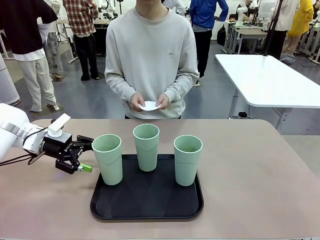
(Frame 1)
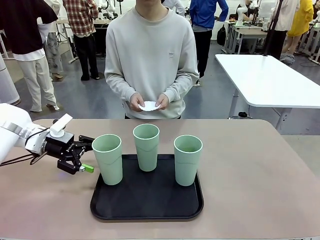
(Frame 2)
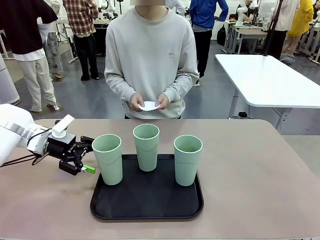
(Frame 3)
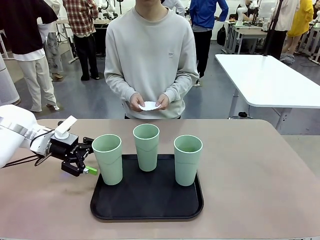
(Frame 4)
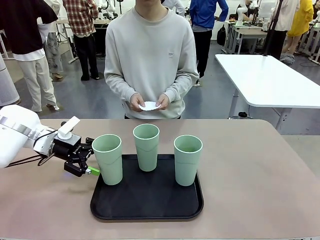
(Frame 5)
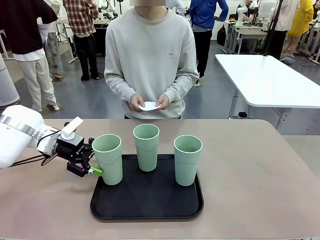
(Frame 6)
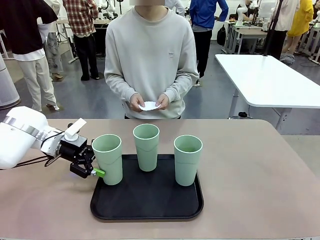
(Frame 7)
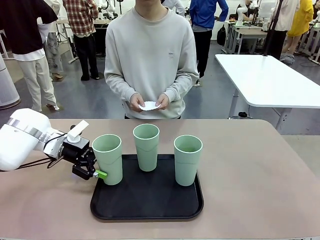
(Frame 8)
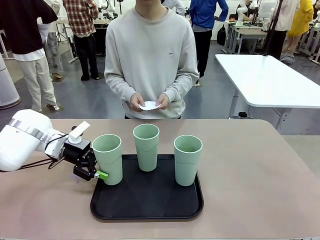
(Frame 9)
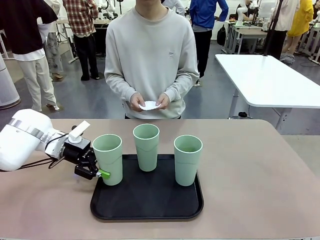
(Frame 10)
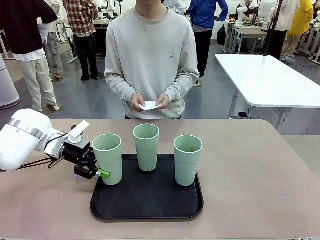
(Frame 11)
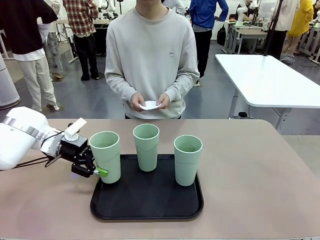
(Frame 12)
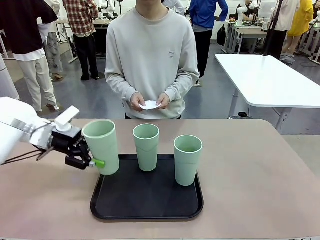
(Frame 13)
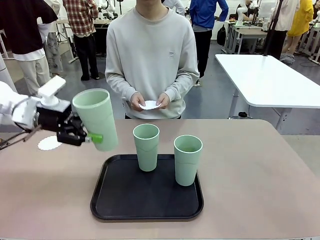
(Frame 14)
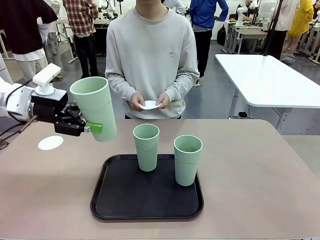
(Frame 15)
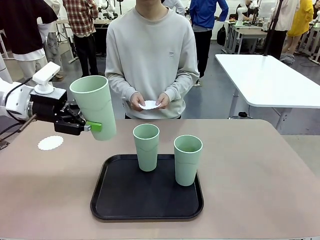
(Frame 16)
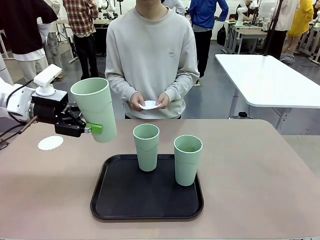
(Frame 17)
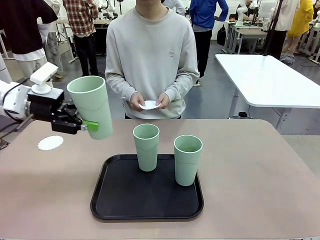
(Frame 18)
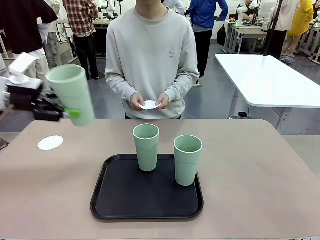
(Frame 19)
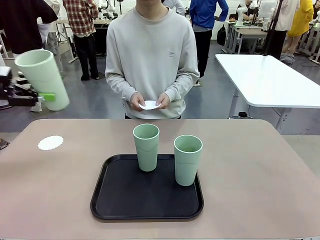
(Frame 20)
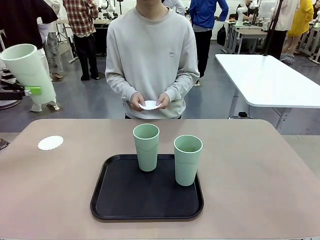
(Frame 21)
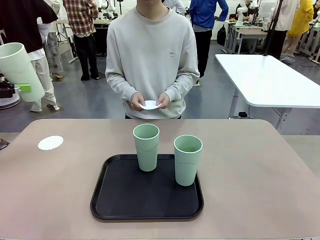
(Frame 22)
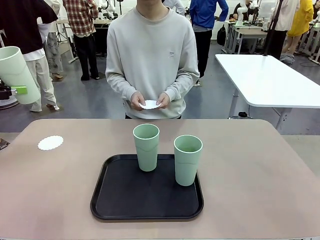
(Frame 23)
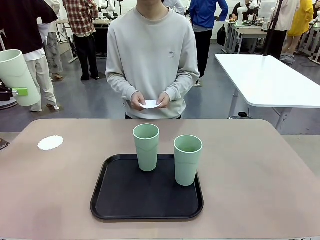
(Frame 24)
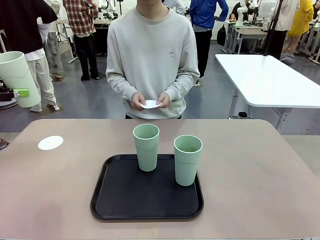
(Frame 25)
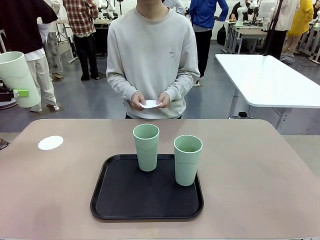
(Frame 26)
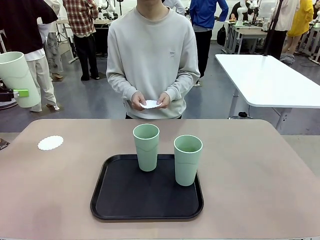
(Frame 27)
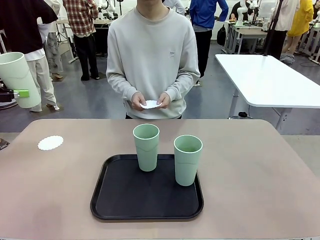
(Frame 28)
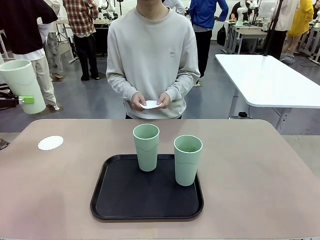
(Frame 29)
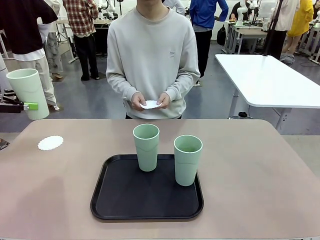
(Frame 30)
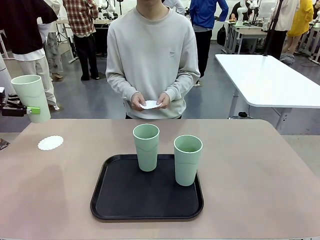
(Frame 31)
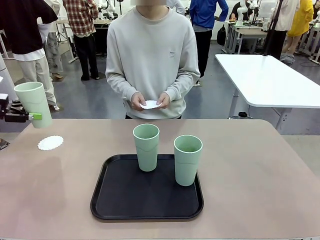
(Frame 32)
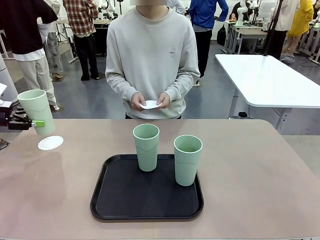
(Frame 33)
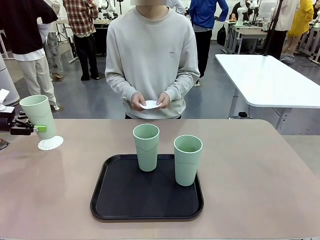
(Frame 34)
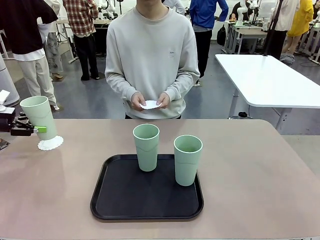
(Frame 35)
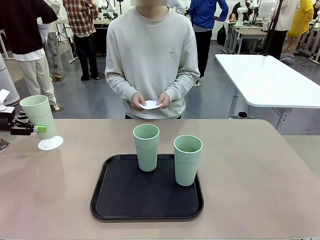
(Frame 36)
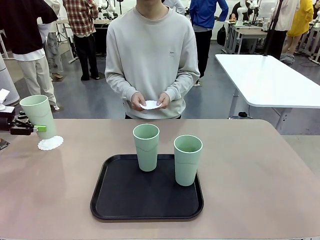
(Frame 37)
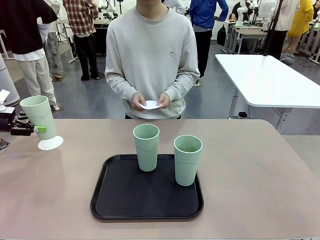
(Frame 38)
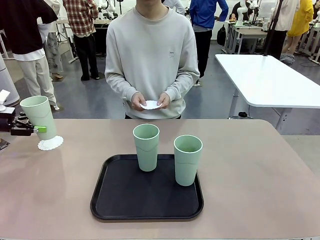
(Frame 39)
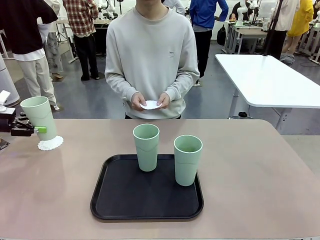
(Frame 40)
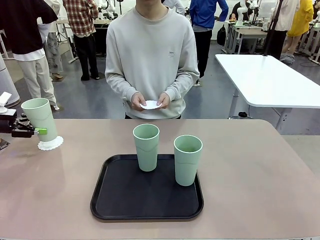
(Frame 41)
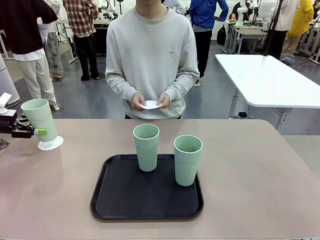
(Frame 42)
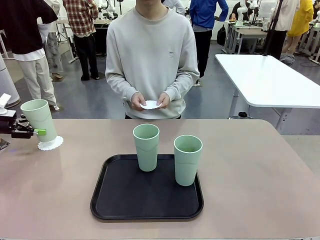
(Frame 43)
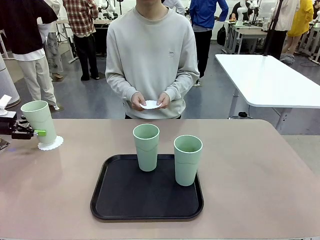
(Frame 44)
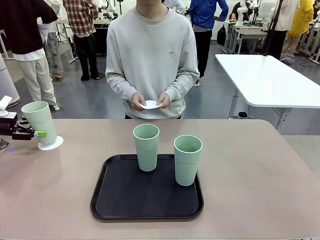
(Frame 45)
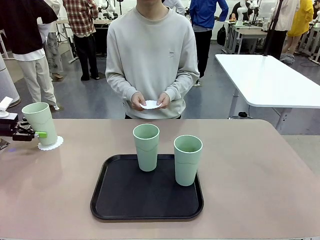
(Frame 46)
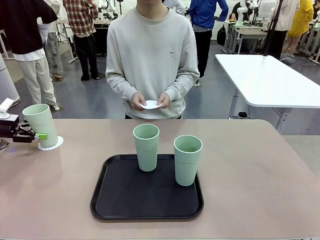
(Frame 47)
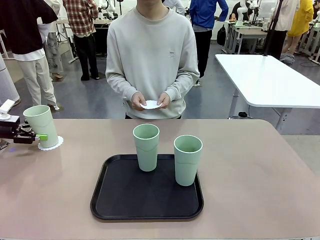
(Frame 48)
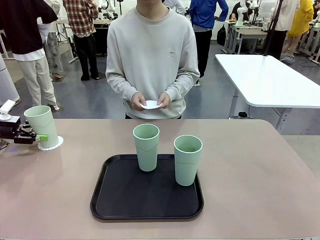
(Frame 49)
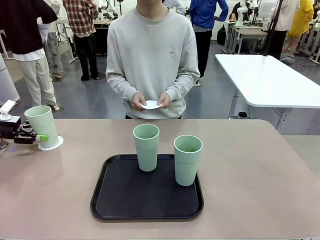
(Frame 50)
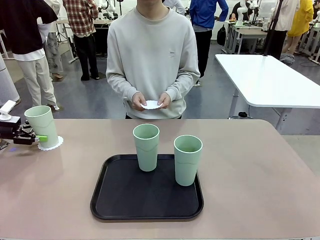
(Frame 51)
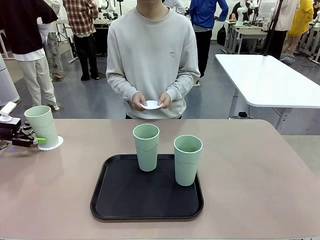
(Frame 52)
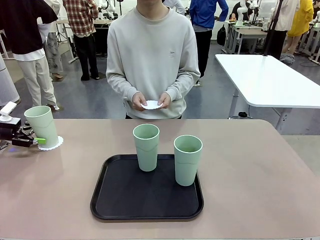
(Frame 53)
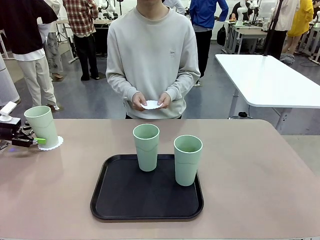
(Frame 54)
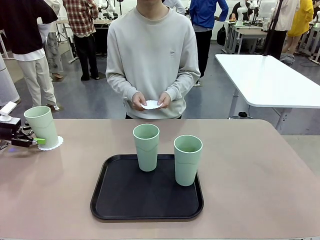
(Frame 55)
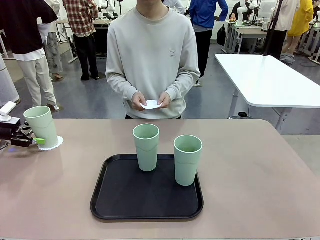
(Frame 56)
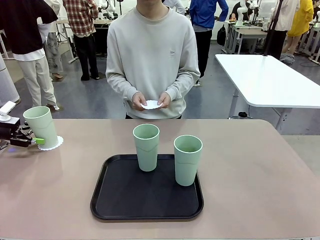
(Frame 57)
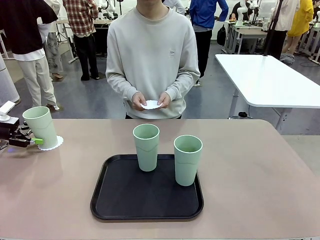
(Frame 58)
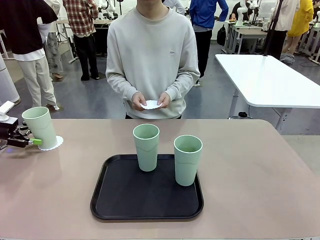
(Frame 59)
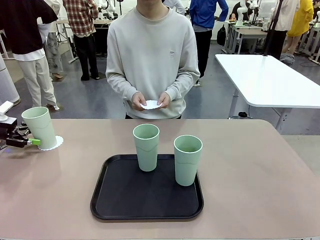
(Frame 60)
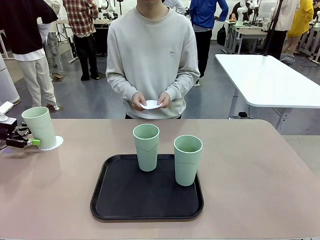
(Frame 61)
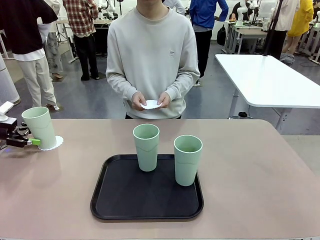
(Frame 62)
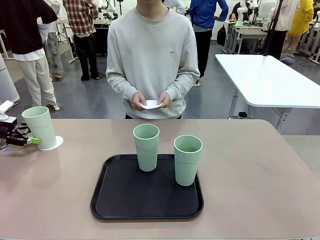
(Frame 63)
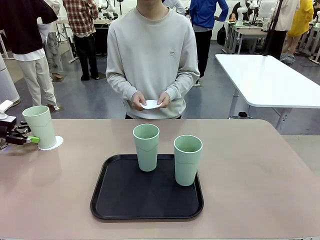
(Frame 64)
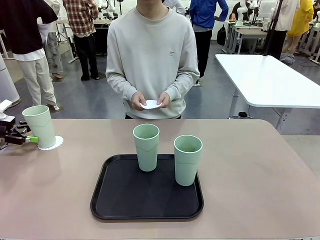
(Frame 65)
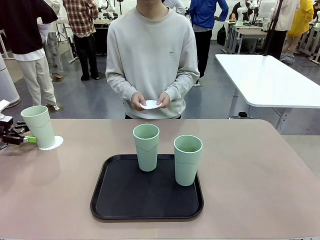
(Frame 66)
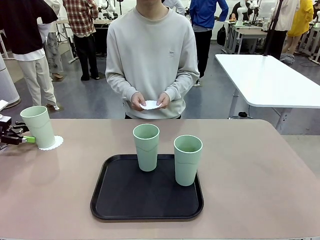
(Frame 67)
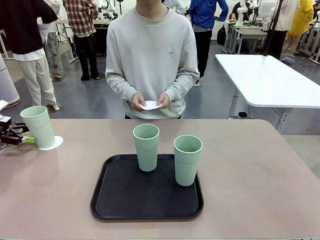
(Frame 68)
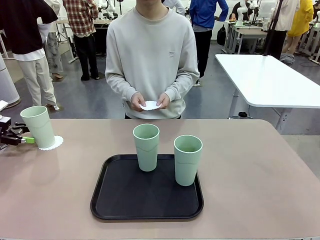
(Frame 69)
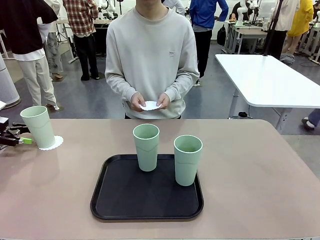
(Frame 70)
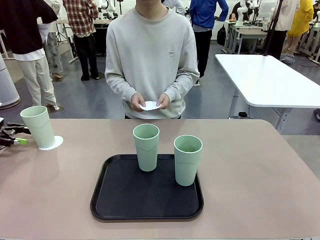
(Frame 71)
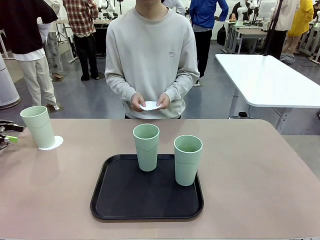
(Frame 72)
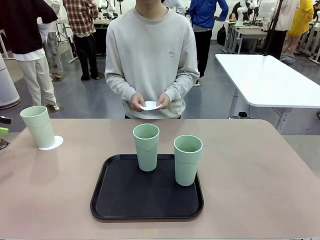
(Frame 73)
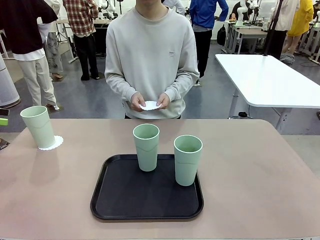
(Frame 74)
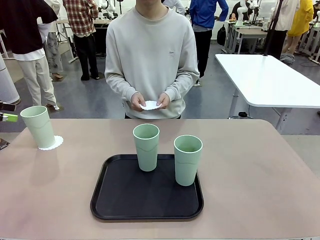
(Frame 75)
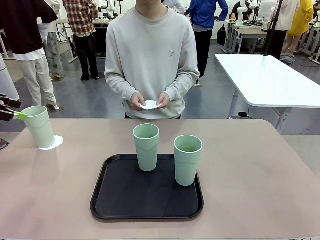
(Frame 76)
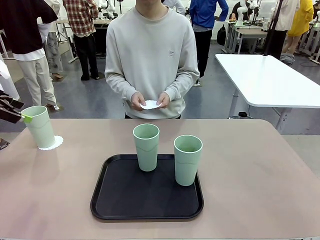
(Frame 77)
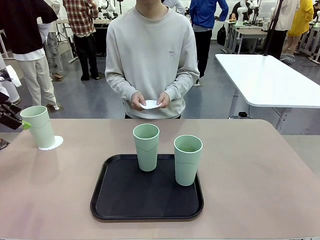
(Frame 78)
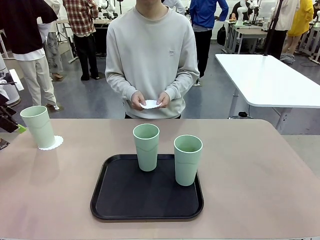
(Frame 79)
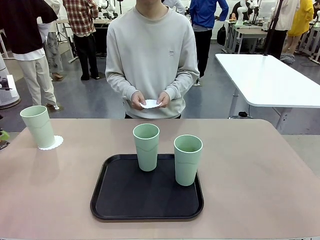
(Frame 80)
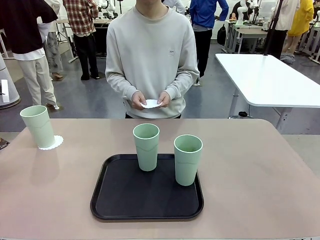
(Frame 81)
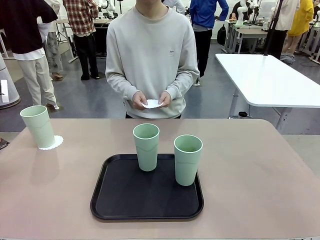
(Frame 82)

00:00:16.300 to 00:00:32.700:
Task: Place coasters on the table and set cups on them.
Robot: Pick up one Reusable plastic cup and place it on a coaster set by the human.
Person: Place one coaster in one of the two areas excluding the previously selected area.

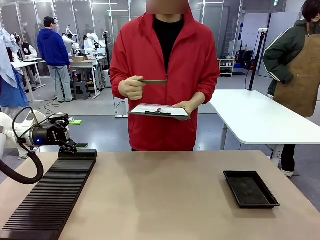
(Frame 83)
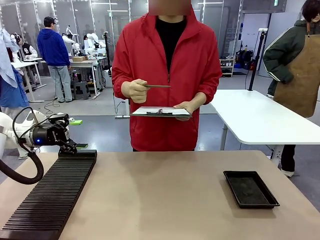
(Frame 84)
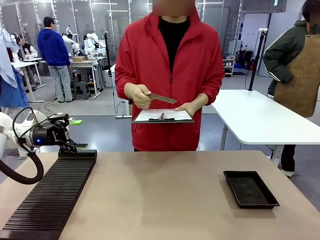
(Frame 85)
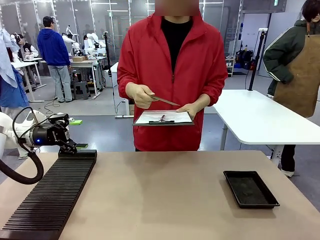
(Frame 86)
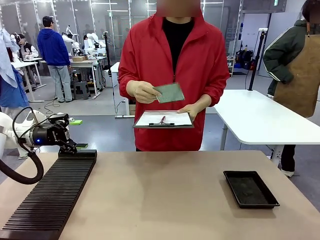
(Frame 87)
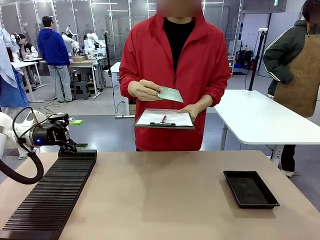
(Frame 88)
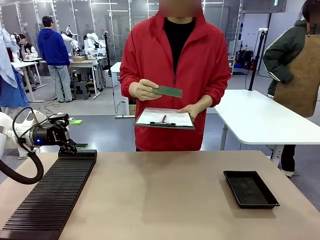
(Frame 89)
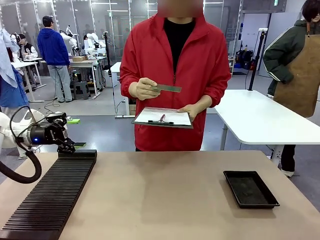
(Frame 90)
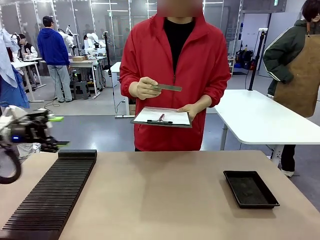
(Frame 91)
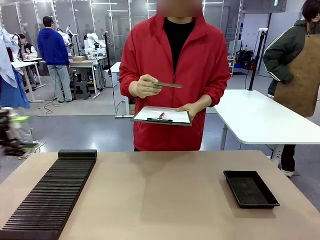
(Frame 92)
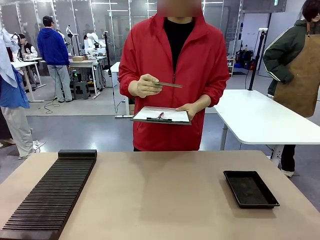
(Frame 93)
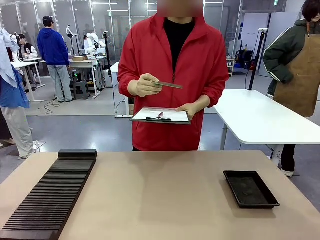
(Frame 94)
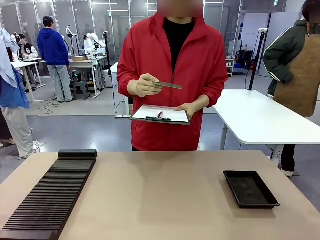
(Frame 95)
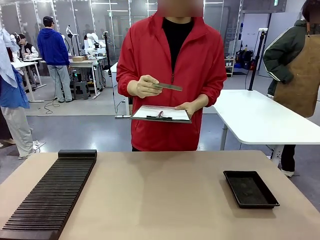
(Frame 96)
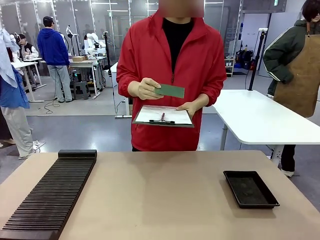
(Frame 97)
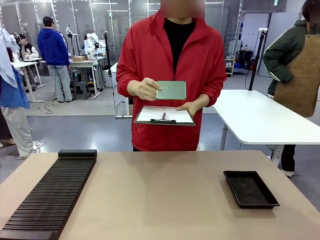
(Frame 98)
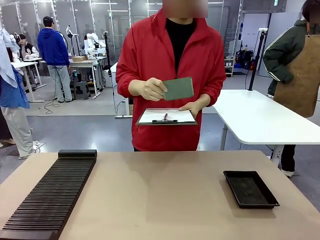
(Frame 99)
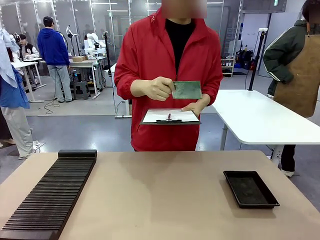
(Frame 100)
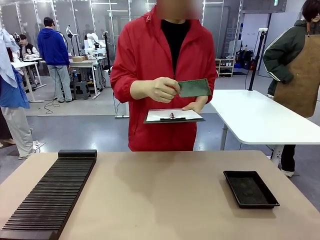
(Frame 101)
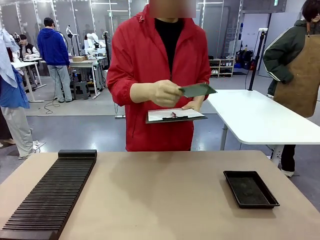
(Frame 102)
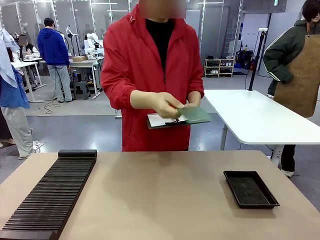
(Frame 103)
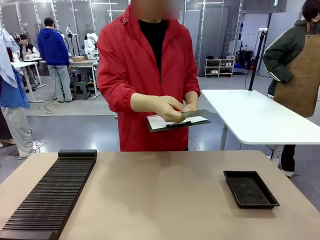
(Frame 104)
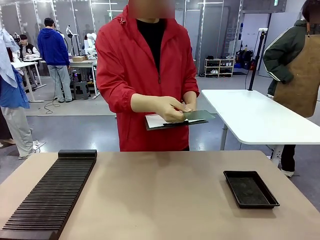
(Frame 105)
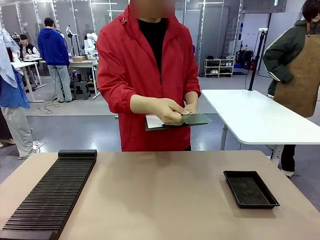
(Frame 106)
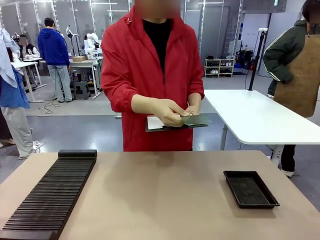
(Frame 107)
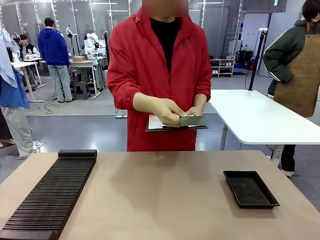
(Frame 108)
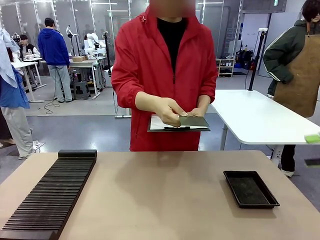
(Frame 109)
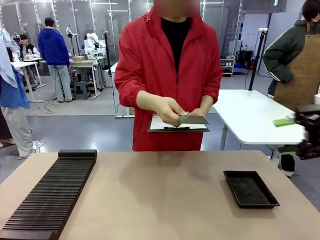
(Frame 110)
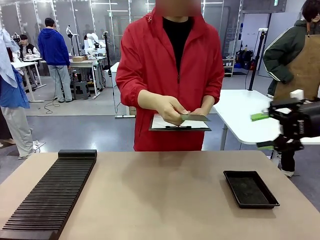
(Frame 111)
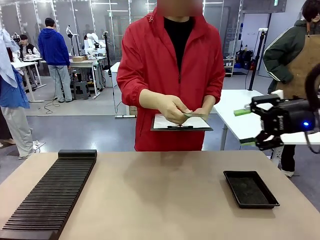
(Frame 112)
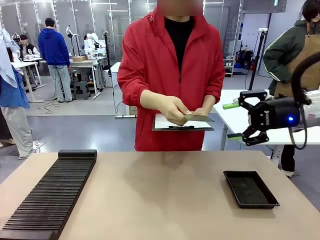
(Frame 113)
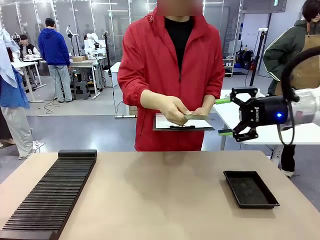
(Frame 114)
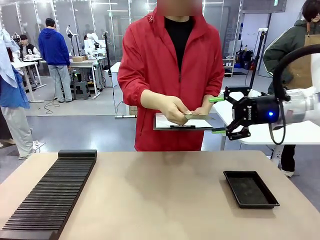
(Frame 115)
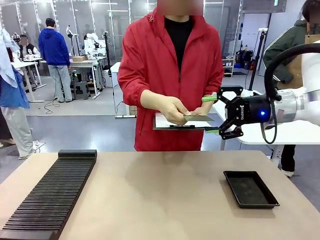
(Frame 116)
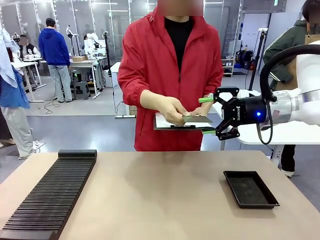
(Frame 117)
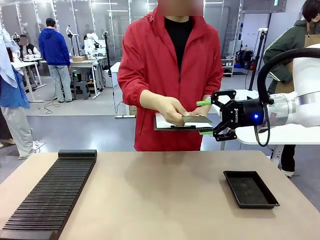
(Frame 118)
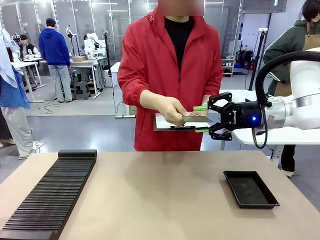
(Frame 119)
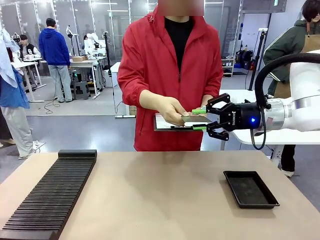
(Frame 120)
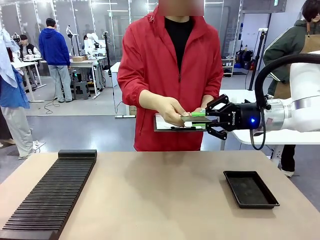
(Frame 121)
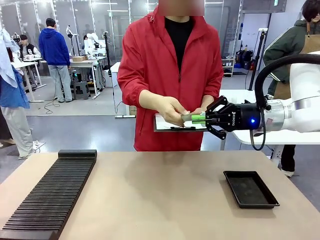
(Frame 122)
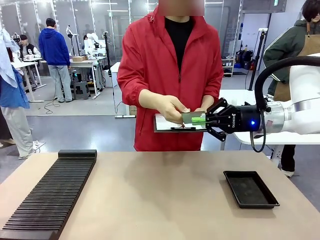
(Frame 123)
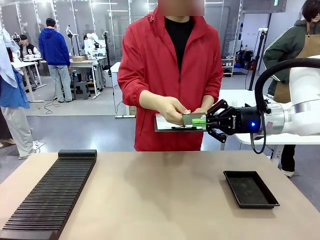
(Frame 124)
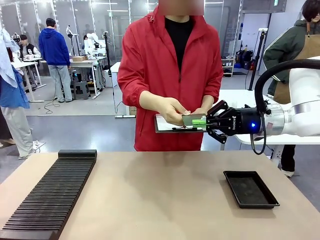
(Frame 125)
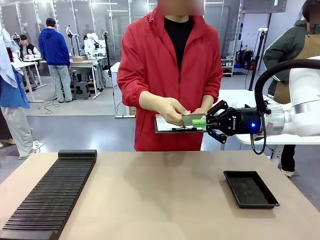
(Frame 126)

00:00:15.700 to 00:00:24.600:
Task: Inspect the PCB.
Robot: Pick up the Blank PCB that the human is holding.
Person: Inspect the PCB placed by the robot, then hold it out in front of the robot. Release the PCB you were holding.
